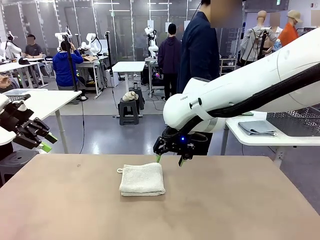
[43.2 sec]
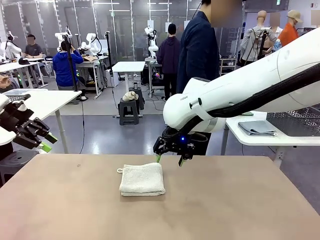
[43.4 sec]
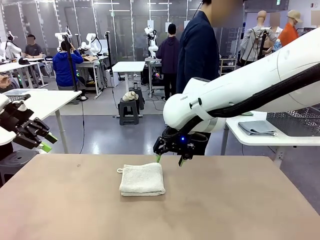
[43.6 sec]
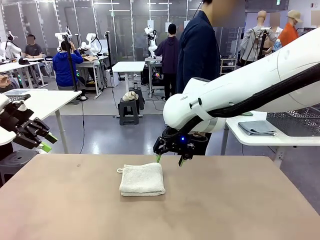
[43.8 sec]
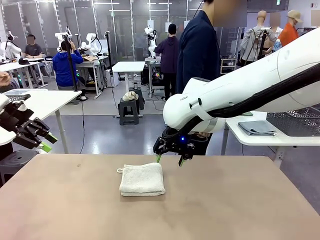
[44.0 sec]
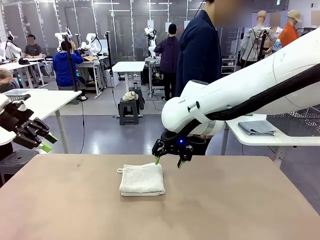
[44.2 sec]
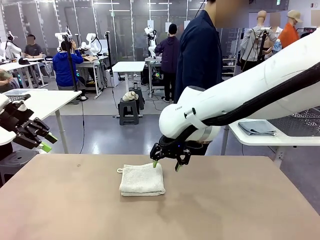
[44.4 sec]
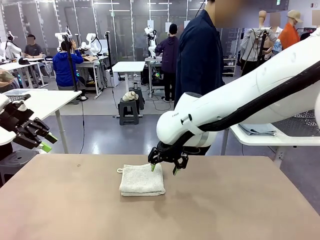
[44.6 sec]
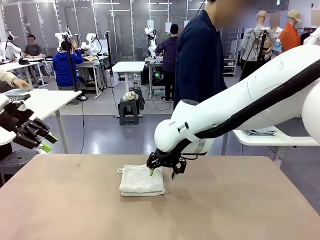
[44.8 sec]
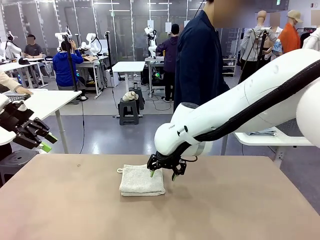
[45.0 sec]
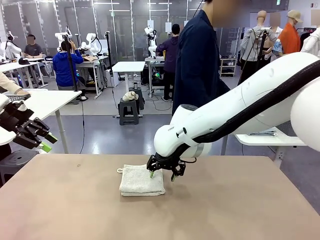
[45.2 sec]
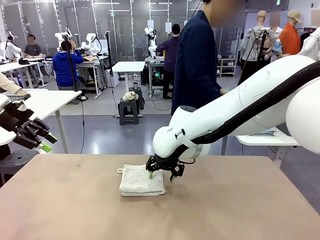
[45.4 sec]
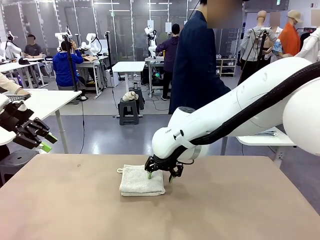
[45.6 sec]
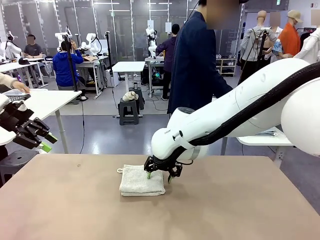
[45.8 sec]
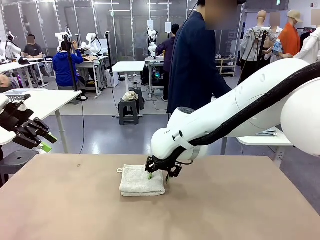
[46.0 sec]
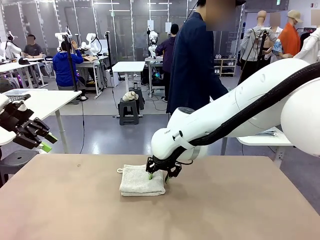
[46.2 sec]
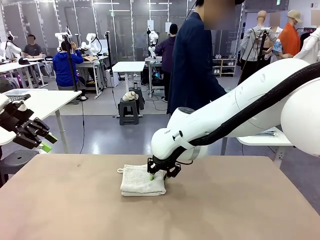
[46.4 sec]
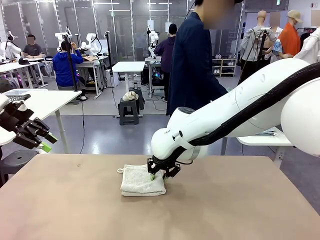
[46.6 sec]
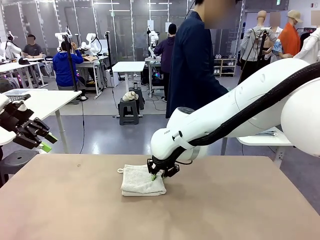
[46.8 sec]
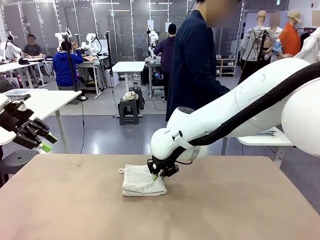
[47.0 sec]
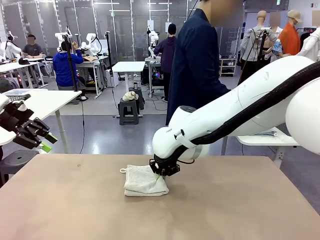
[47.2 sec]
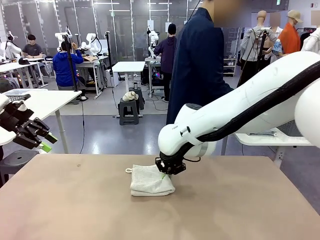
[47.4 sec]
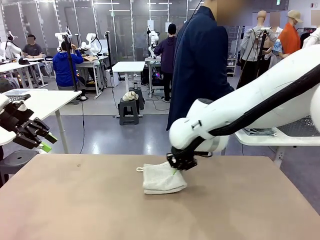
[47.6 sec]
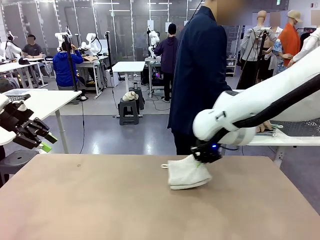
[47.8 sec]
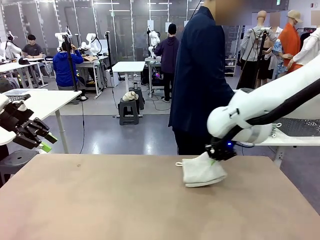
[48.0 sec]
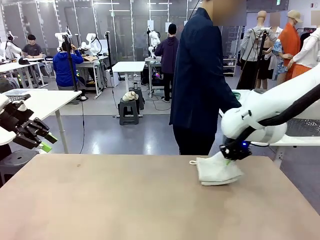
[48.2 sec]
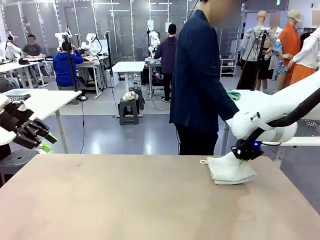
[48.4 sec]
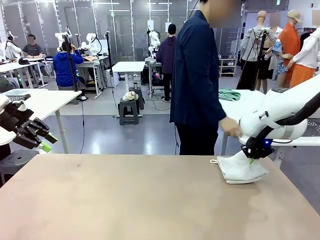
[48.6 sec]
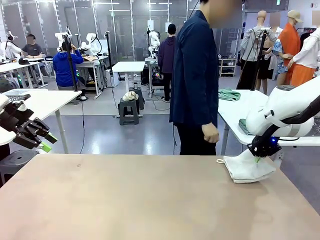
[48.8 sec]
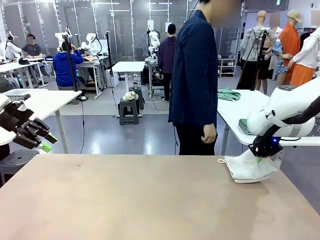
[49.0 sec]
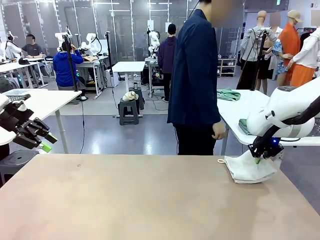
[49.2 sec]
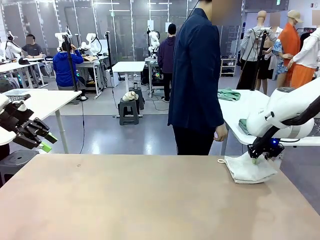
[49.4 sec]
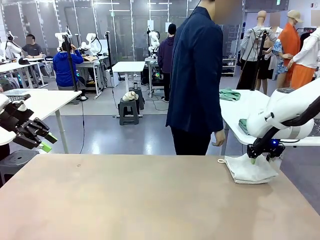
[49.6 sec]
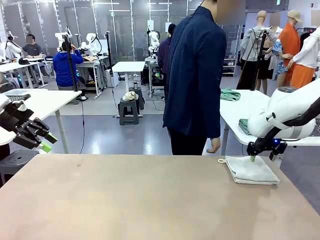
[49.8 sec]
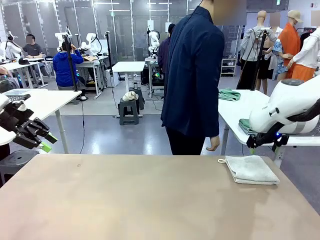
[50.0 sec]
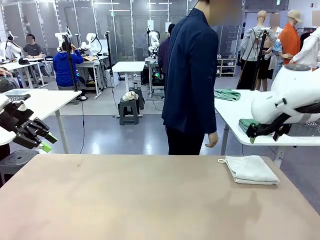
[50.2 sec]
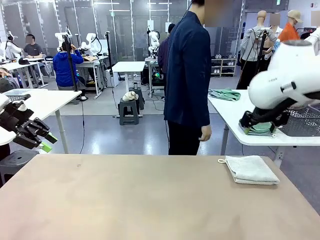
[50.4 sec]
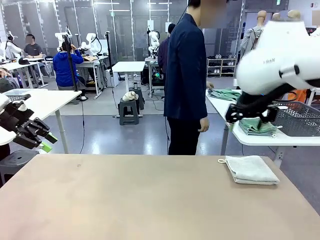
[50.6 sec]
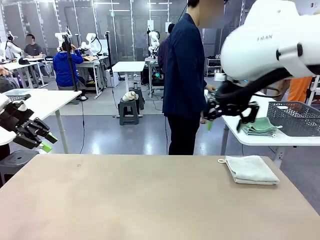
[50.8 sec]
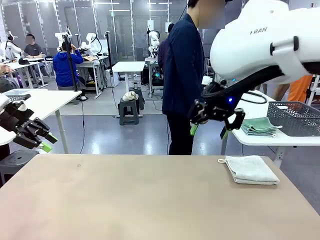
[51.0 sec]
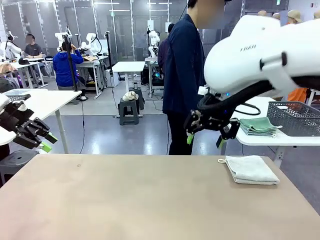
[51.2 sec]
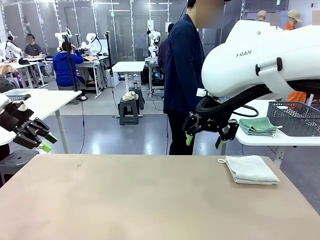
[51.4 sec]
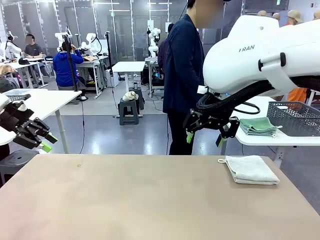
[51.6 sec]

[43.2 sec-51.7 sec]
Task: Fold the towels and place them in the basket.
Robot: Place the folded Towel with hook on the right side of the table.

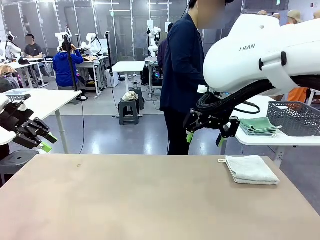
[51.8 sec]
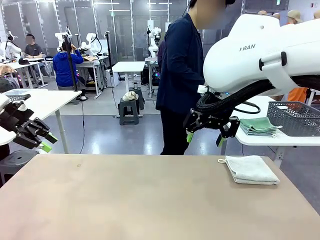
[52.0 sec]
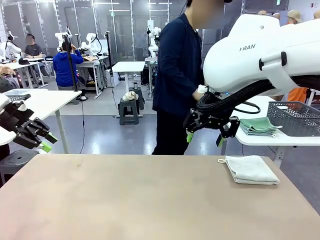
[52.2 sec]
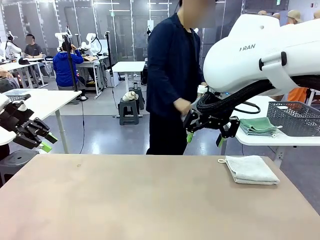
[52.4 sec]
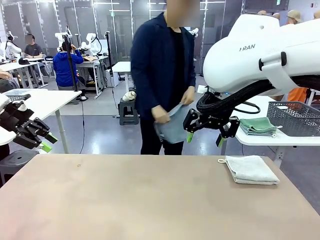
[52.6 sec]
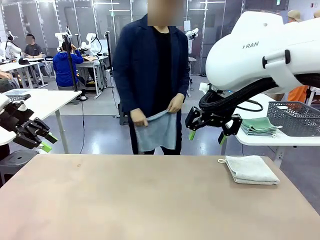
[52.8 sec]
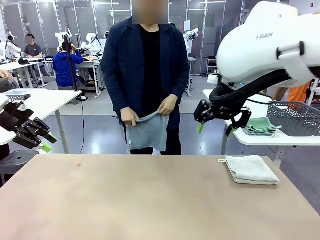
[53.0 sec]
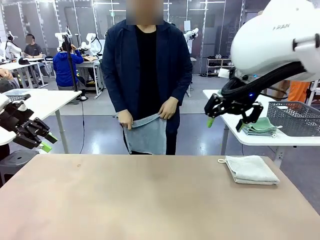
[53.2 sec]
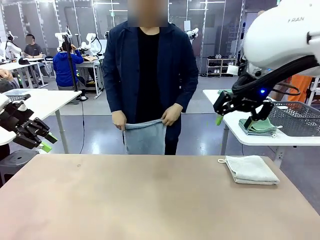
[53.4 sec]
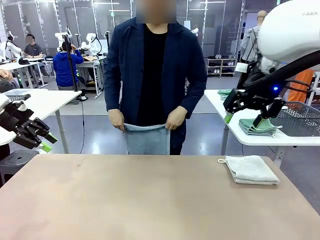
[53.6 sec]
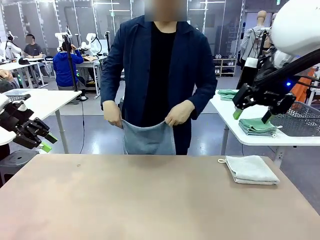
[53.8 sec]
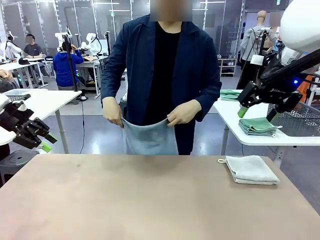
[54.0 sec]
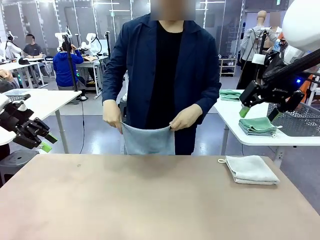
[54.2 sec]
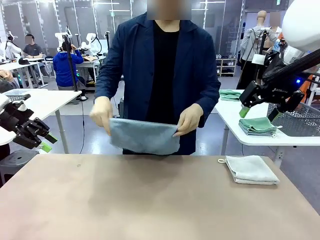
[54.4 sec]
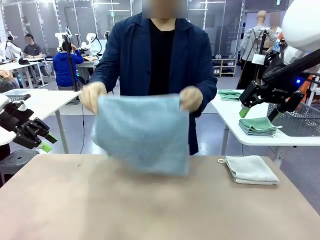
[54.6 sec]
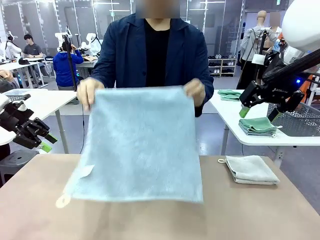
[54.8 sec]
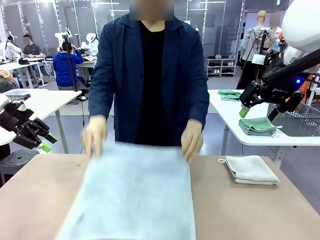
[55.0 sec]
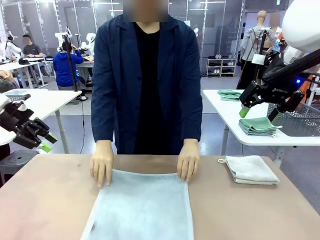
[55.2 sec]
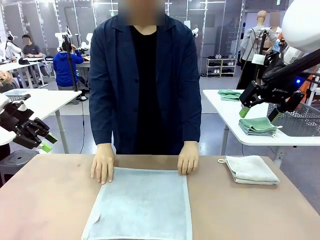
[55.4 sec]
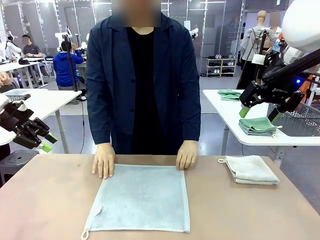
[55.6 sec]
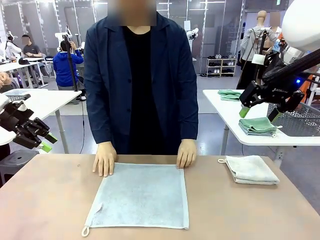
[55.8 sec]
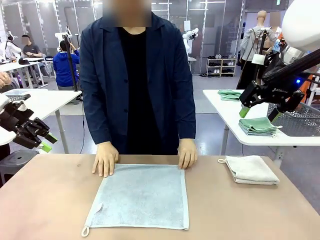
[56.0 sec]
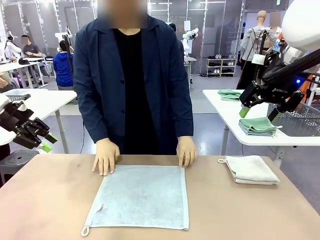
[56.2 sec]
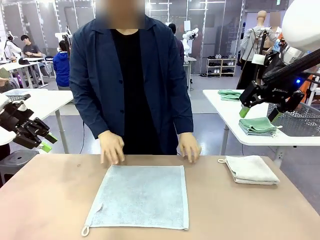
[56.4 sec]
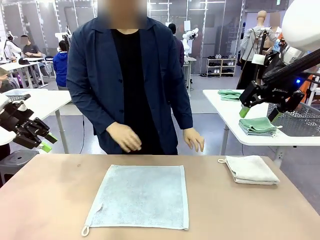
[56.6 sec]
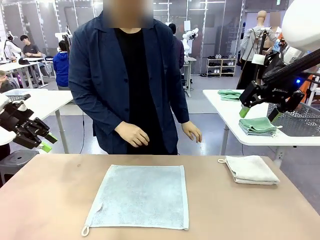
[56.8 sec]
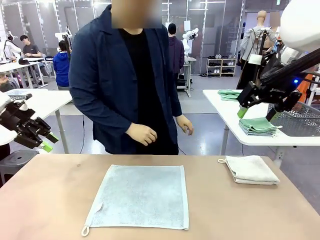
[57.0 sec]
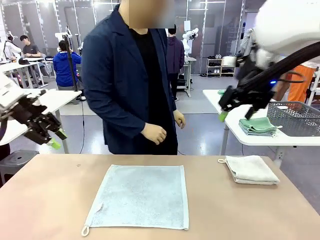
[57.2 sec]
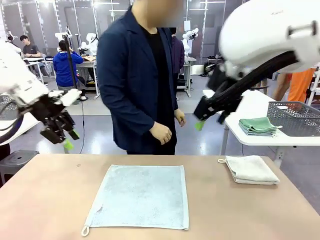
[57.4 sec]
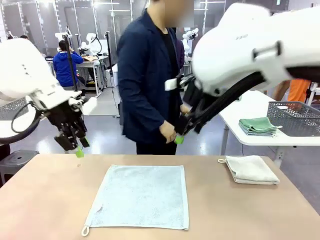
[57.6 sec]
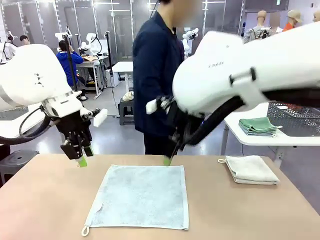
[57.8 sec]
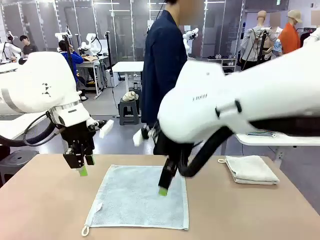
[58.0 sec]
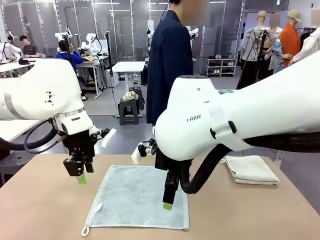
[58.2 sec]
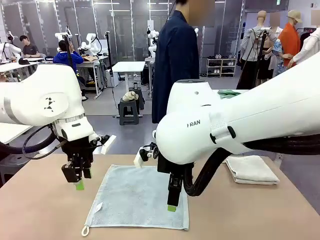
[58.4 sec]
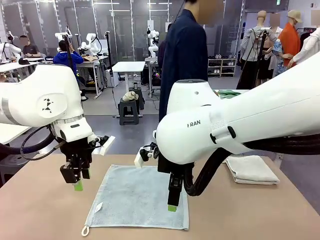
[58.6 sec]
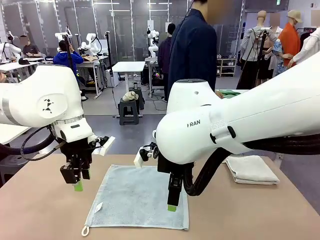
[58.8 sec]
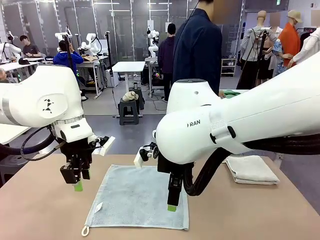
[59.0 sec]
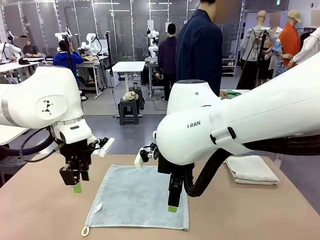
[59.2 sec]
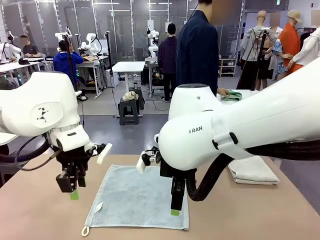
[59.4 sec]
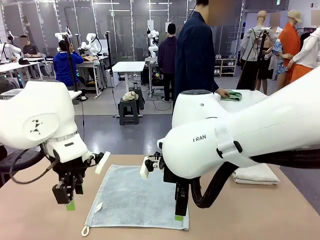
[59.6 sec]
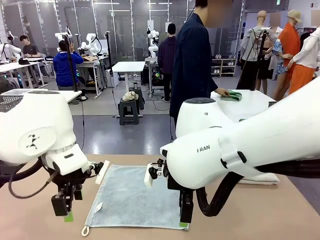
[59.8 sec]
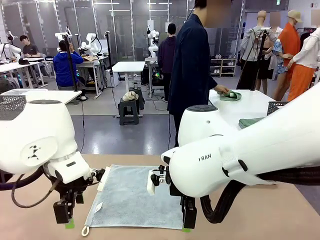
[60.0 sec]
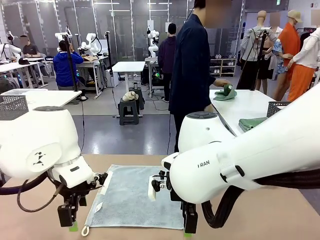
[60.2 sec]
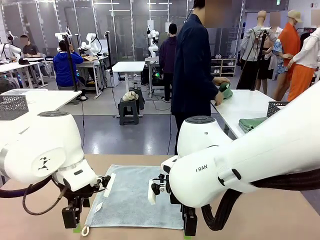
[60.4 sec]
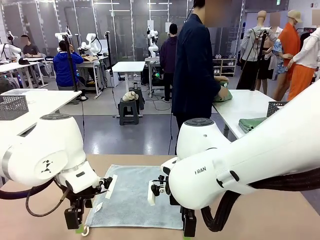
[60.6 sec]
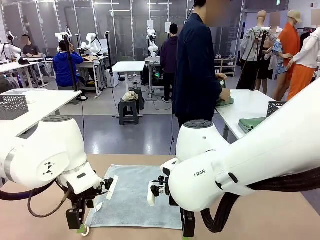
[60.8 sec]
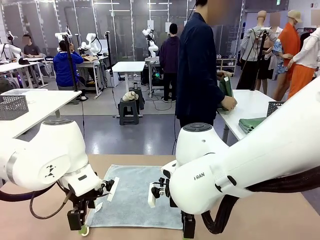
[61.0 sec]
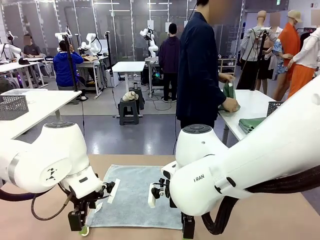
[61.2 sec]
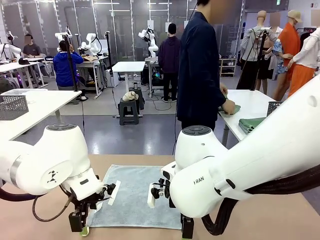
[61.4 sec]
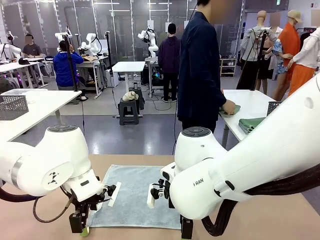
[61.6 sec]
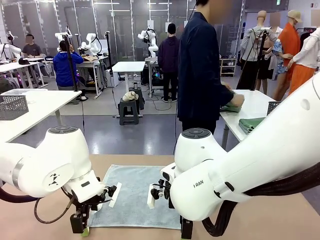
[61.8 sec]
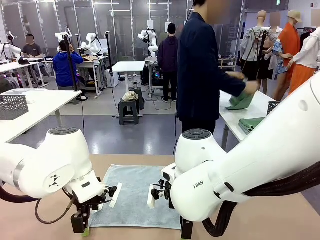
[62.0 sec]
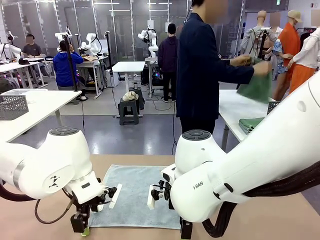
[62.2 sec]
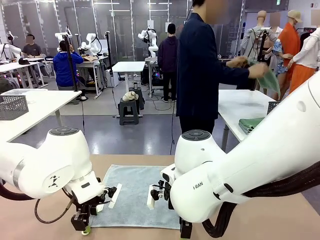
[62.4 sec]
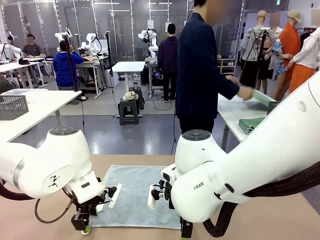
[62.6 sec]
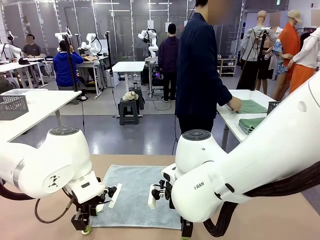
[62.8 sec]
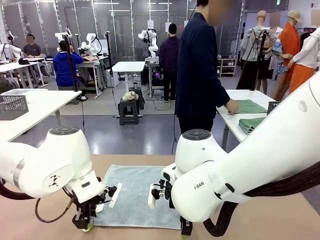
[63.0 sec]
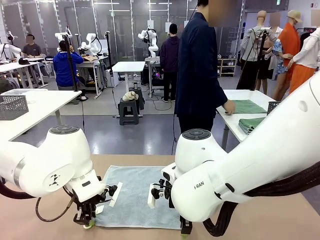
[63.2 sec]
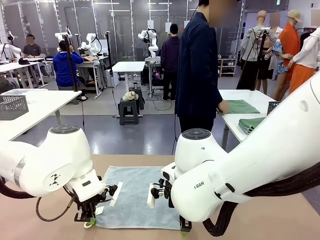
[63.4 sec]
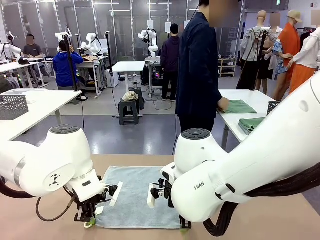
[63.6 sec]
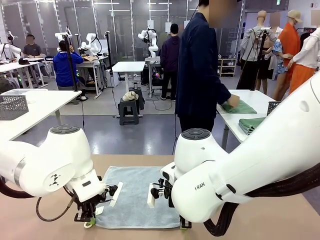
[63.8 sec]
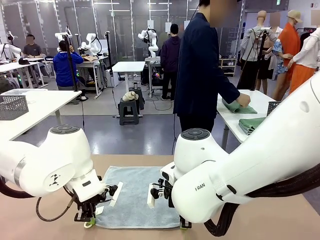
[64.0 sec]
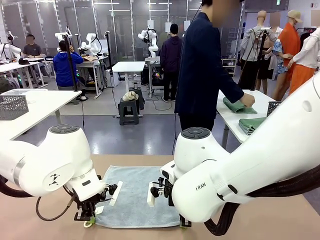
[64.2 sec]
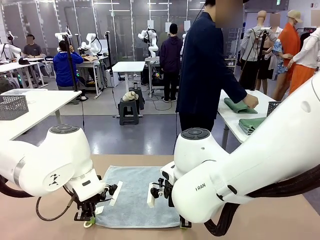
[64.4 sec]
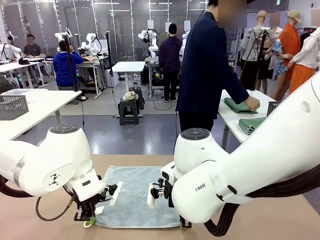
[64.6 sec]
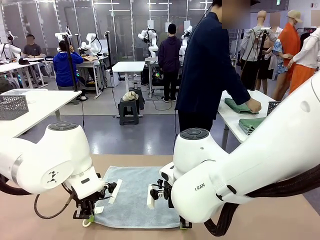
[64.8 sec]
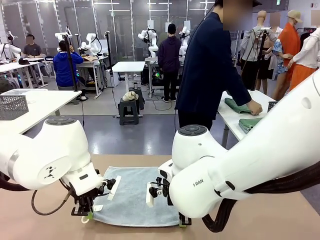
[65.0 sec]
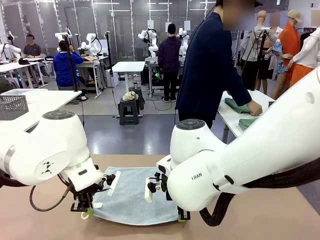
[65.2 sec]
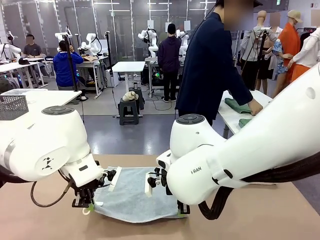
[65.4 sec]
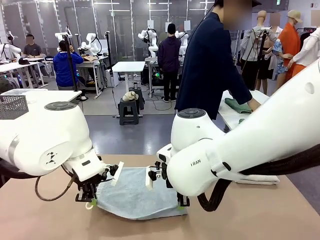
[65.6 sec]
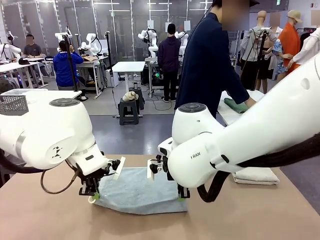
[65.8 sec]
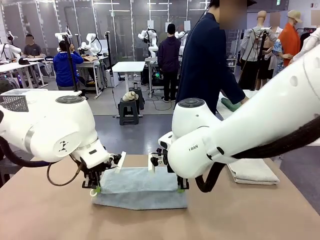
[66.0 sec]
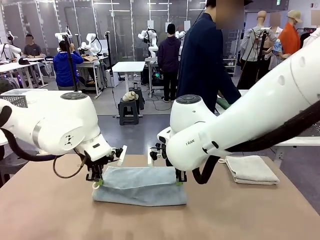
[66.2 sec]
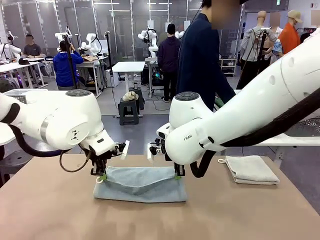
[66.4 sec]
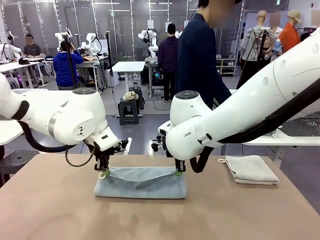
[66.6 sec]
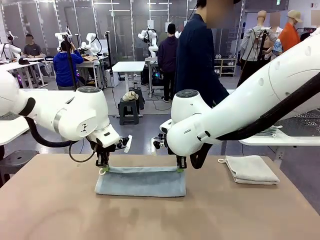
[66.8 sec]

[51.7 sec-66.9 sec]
Robot: When a person lays out a Towel with hook on the table, fold it in half twice.
Person: Pick up one towel from the left side of the human table and spread it out at the center of the robot table. Pick up one towel from the left side of the human table, fold it in half twice, and stack it on the right side of the table.
